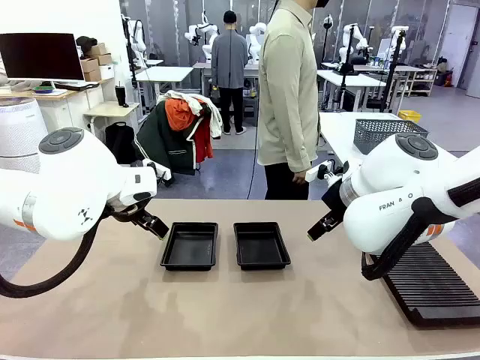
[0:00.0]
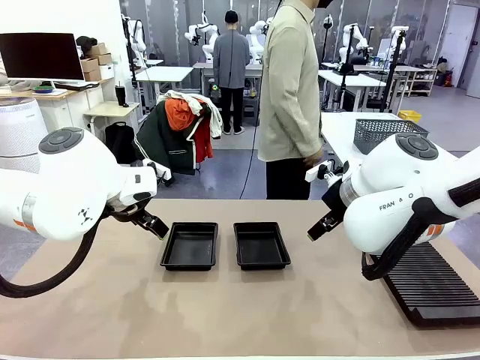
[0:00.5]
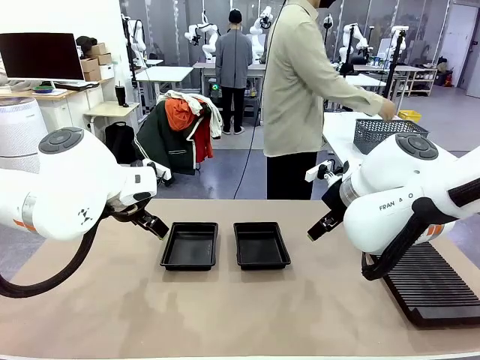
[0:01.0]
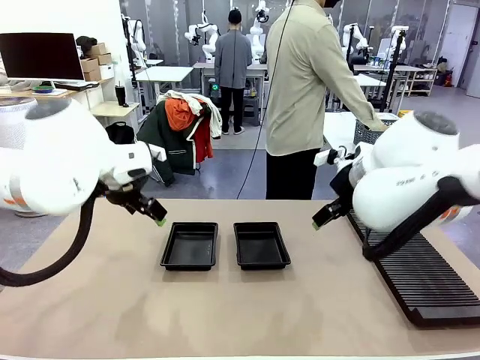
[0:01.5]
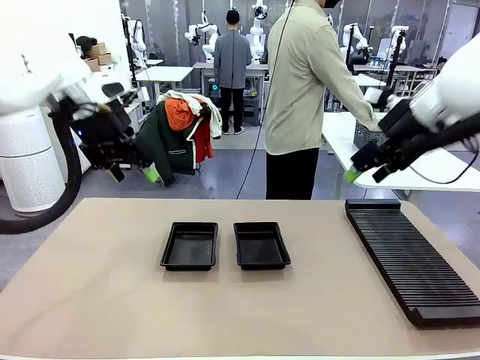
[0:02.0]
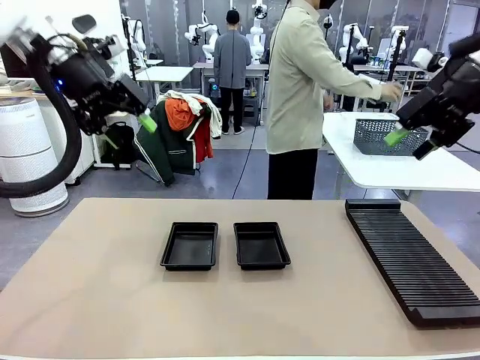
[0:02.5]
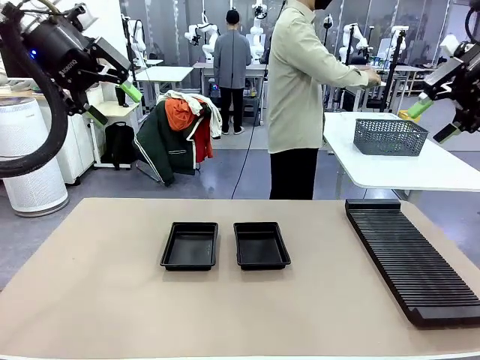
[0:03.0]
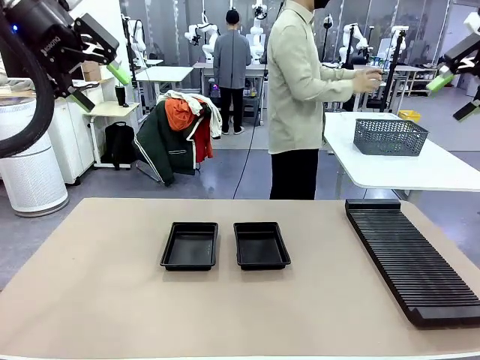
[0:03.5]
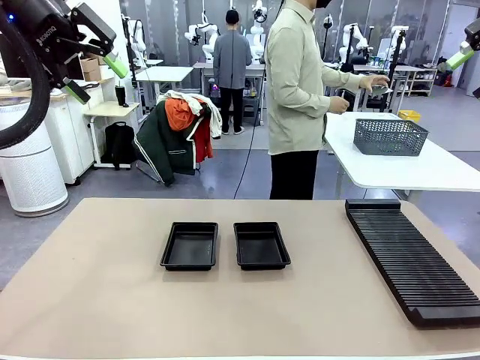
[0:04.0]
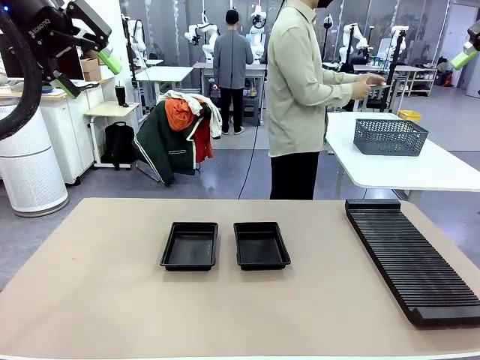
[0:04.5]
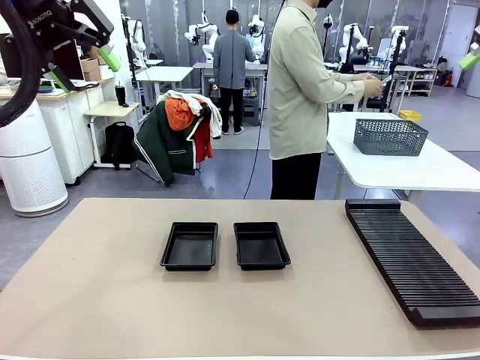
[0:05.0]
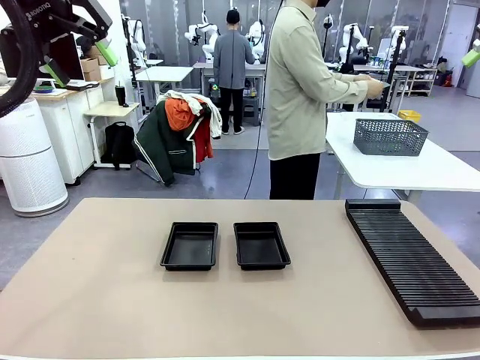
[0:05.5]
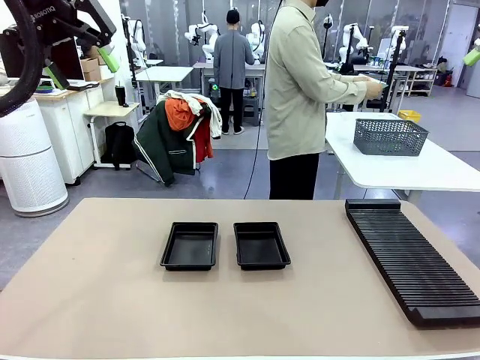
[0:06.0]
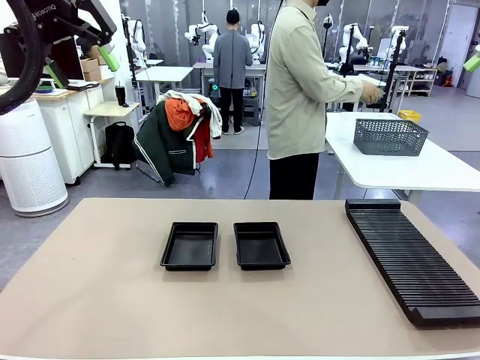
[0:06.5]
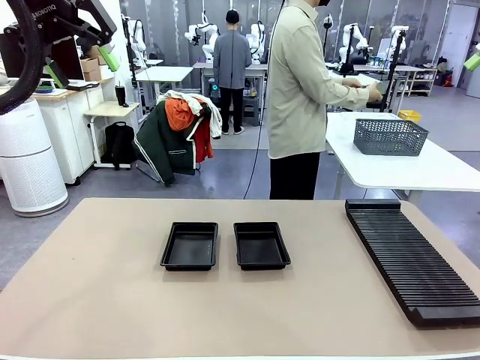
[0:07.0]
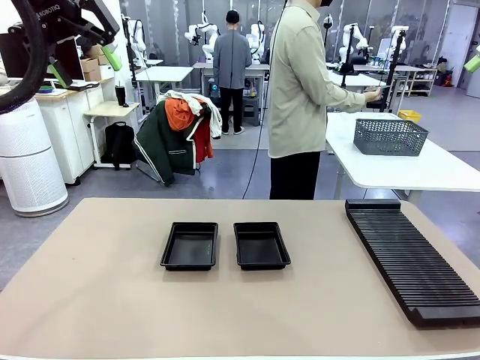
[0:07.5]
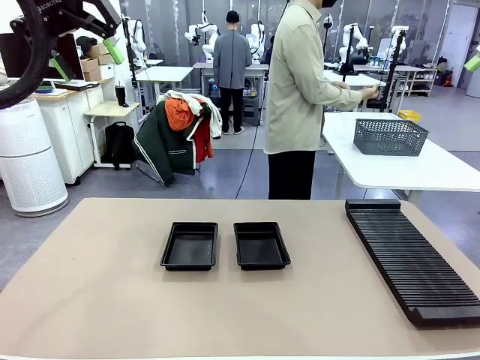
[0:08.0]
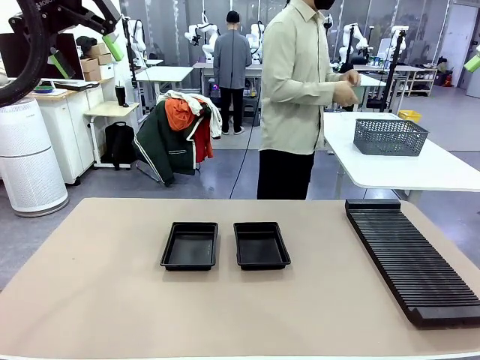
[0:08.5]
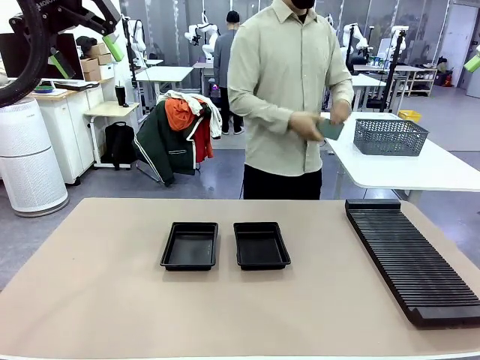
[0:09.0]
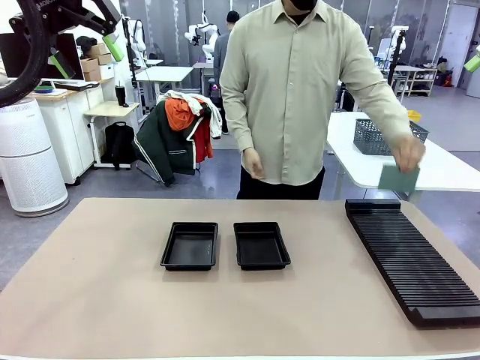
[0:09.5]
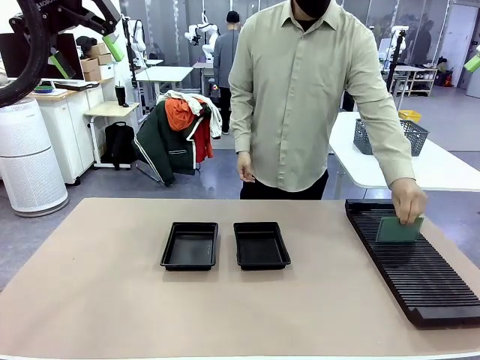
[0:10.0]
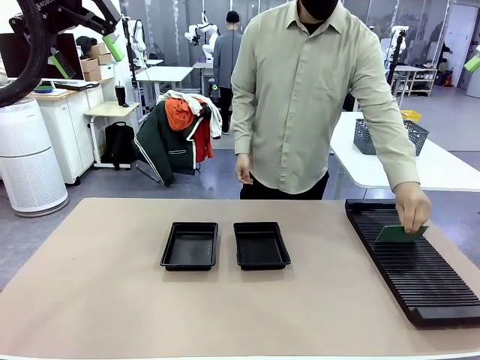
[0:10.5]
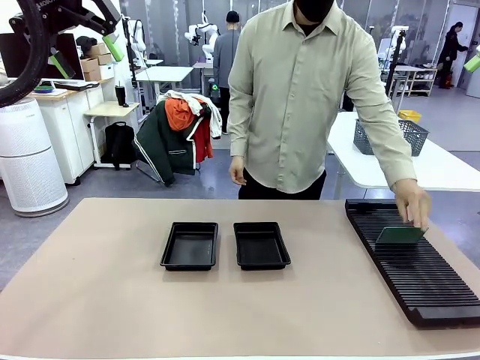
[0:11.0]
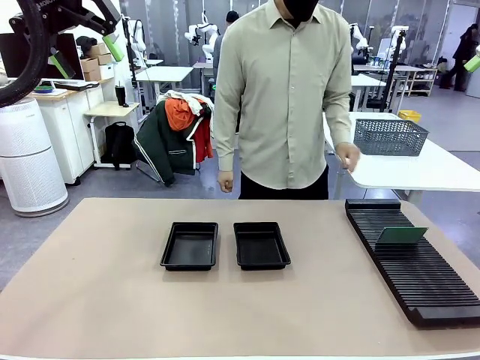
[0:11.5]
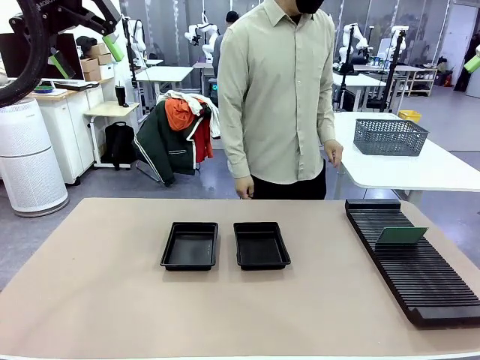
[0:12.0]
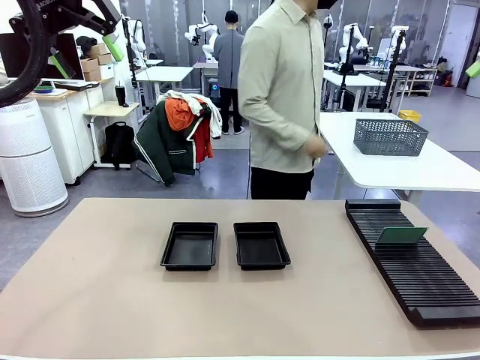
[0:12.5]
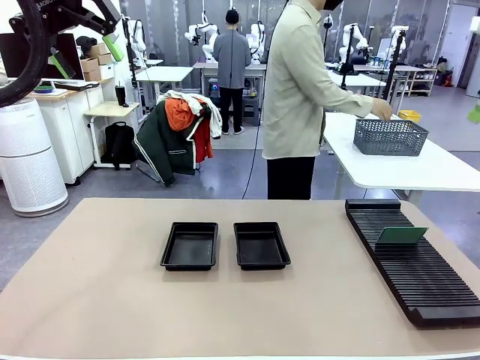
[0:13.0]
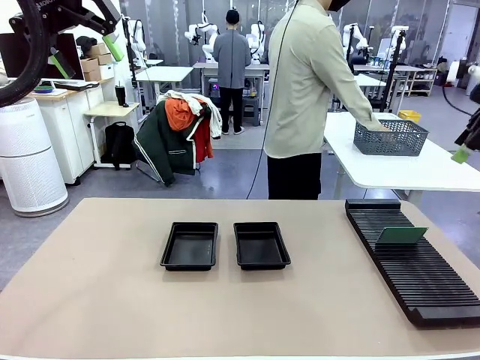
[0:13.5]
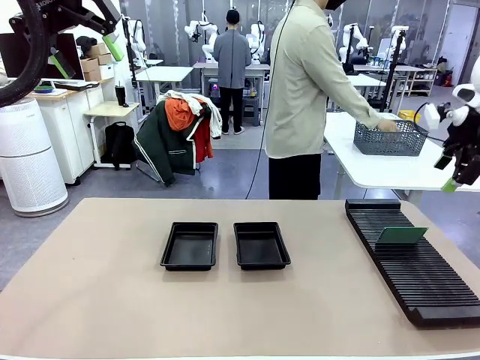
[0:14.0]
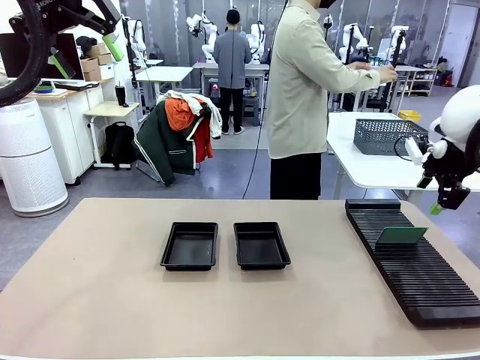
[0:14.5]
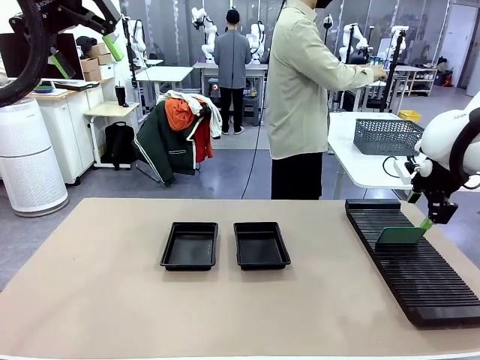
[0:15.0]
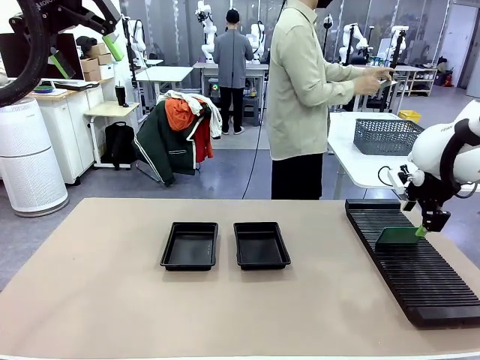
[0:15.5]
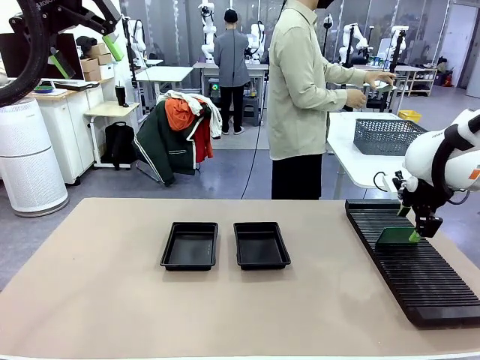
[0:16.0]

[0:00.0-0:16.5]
Task: Inspect and transfer BCBs to ESD trays.
Robot: Pick up the Blank PCB from the PCB Rack and place it in the left ESD tray.

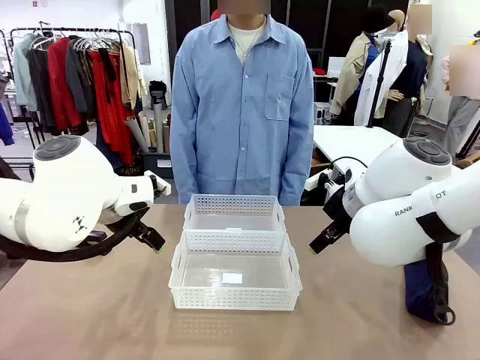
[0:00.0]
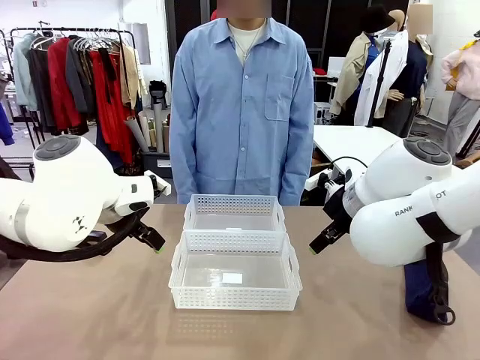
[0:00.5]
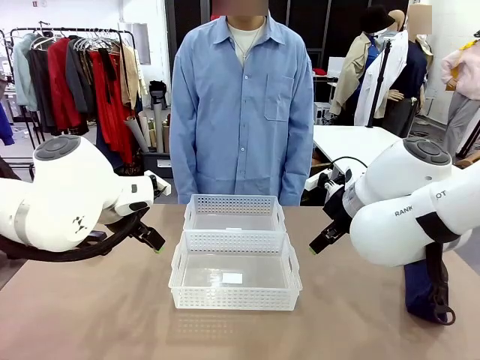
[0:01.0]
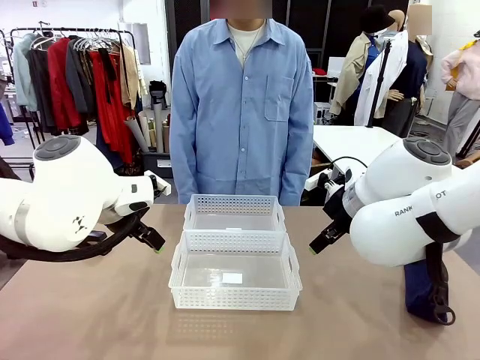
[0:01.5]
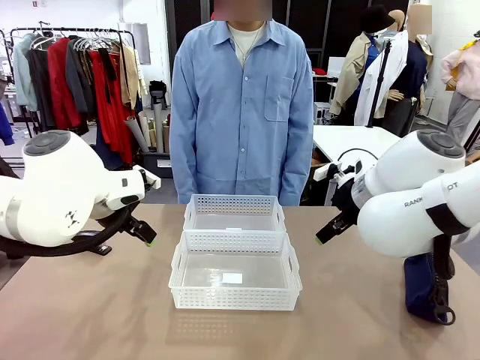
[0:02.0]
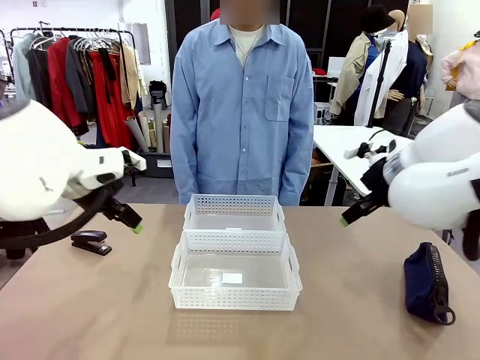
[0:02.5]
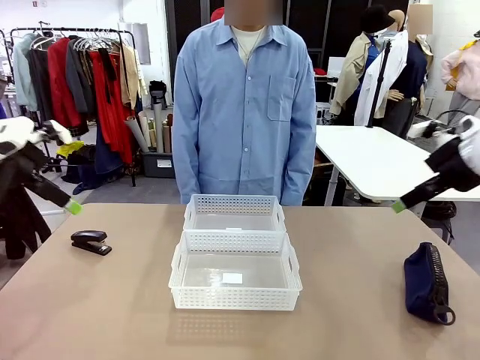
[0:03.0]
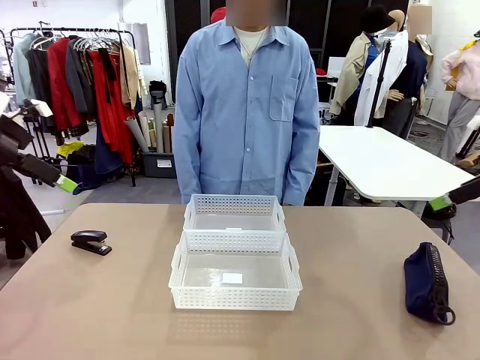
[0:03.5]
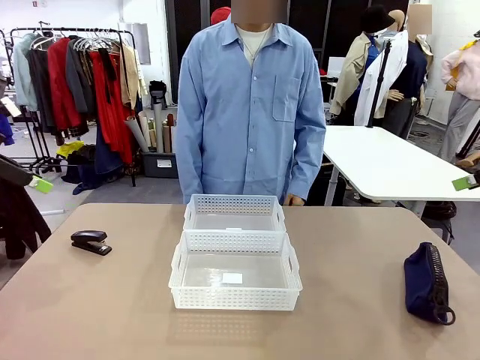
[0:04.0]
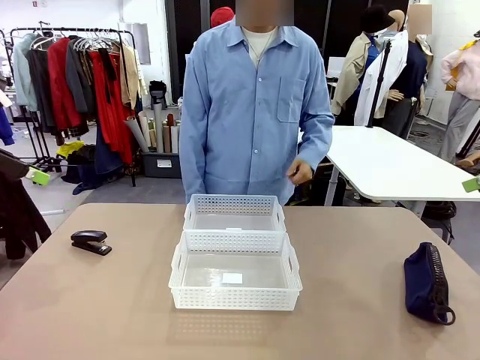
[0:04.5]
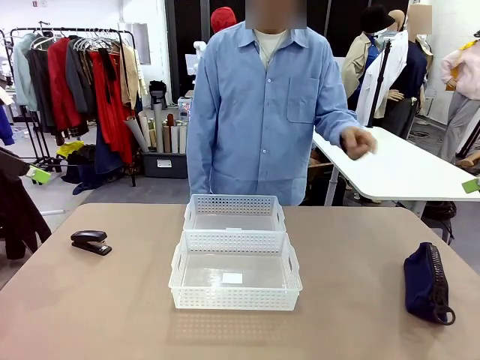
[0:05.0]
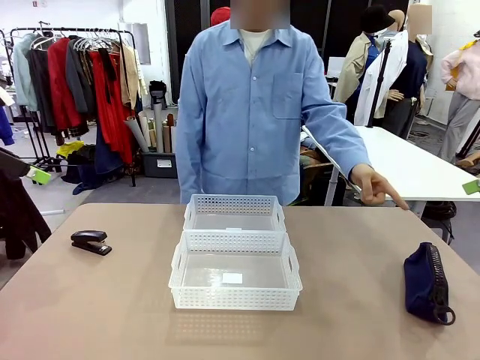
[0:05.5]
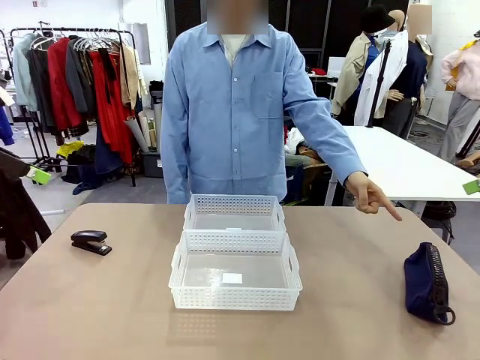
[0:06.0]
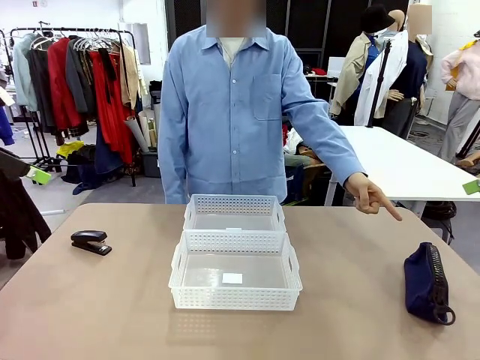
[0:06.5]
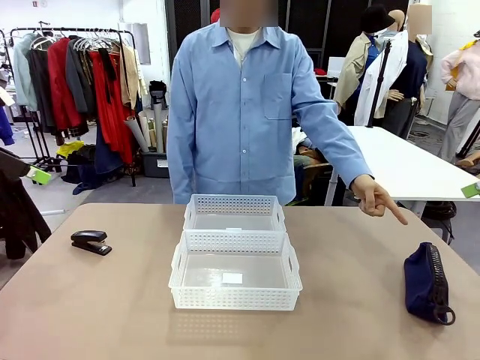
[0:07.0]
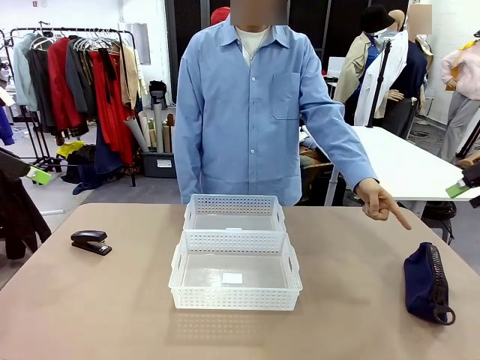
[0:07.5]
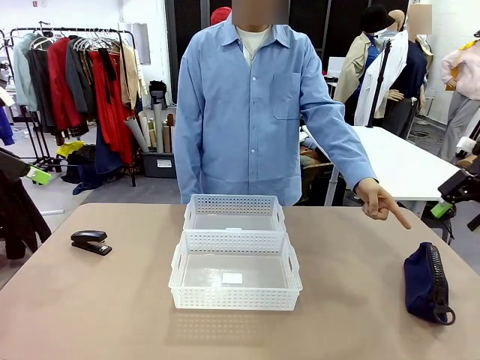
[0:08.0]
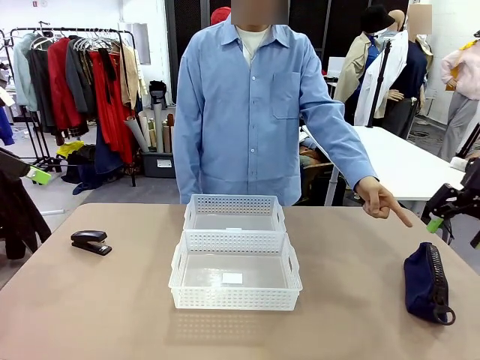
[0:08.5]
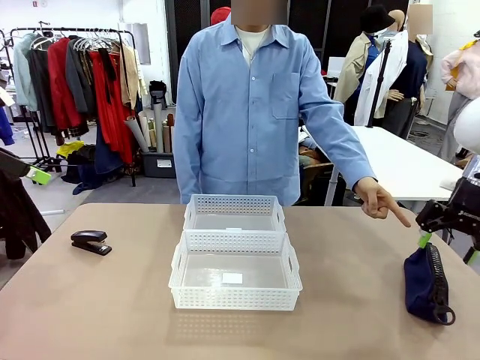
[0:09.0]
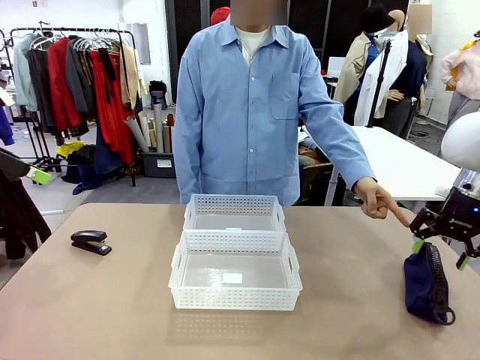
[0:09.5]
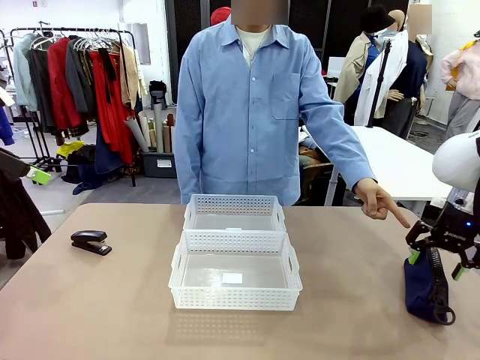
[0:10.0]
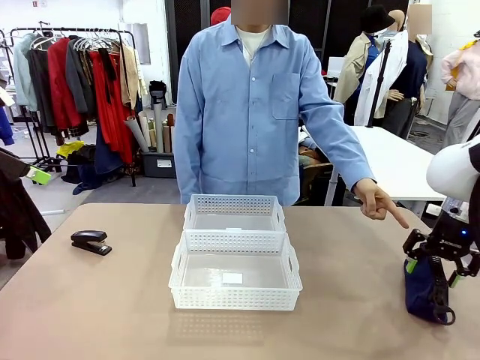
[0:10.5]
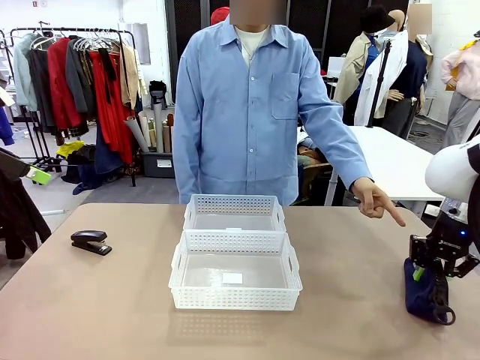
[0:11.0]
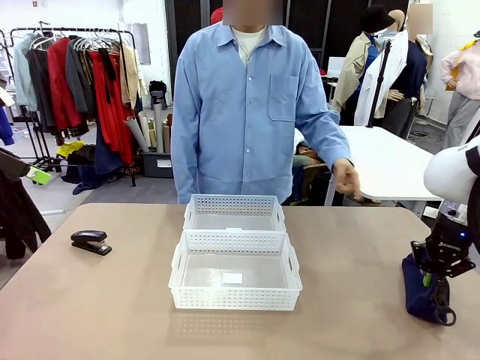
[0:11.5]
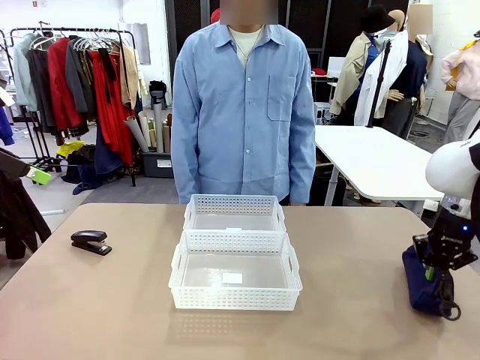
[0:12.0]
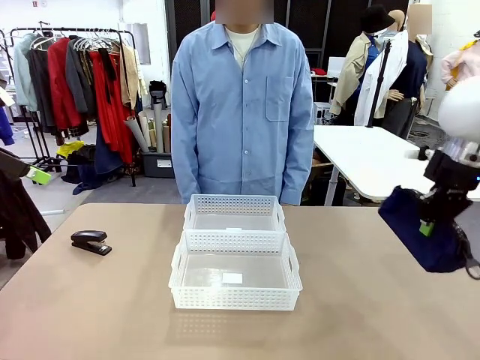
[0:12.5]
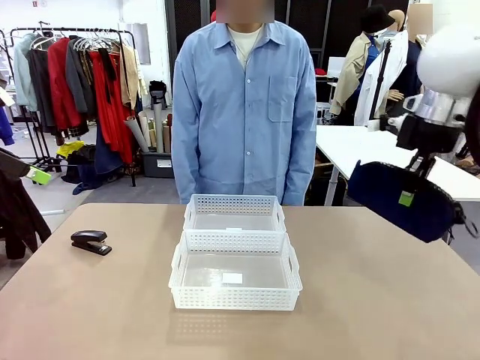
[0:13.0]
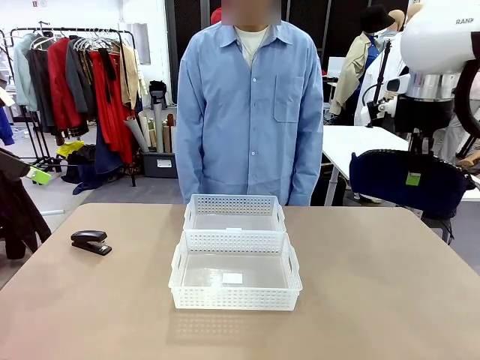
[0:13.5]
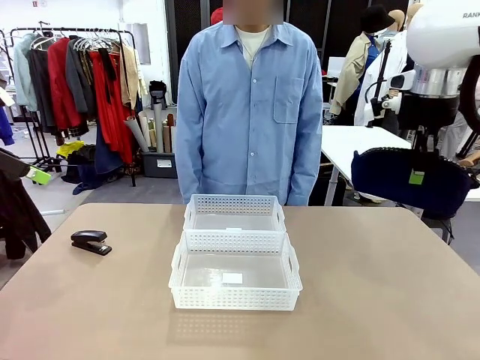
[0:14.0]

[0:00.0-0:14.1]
Task: Distribute items into two baskets.
Robot: Pick up the Pencil pouch that the person points to.
Person: Points to the pencil case. Points between the two organizing baskets and instructs the robot to move the pencil case.
